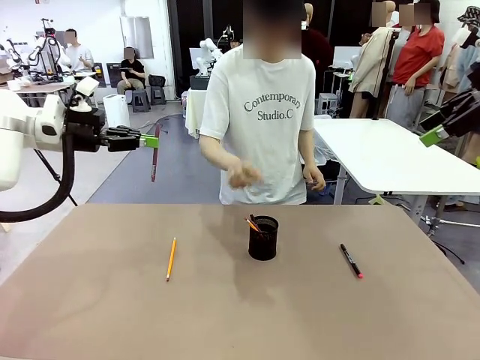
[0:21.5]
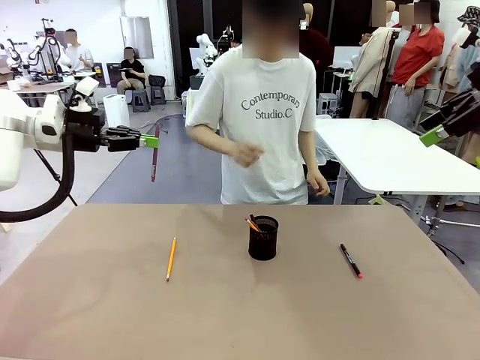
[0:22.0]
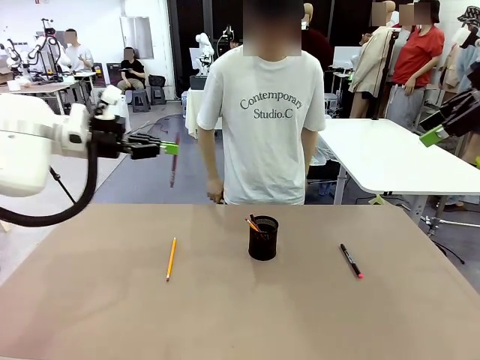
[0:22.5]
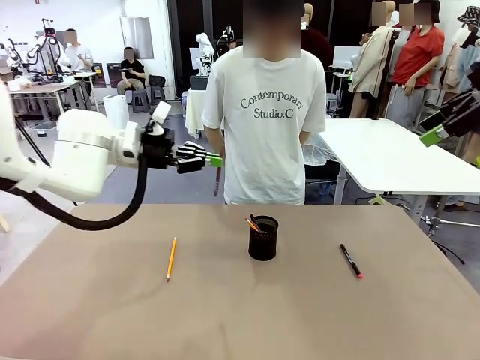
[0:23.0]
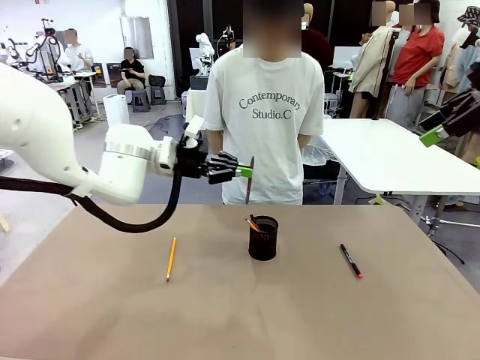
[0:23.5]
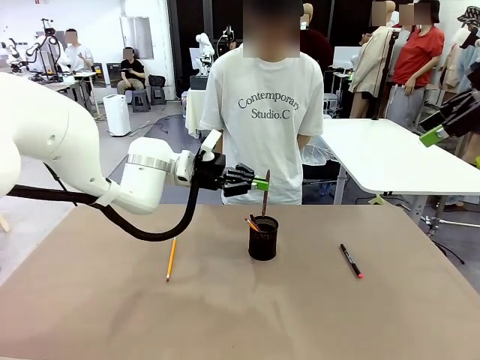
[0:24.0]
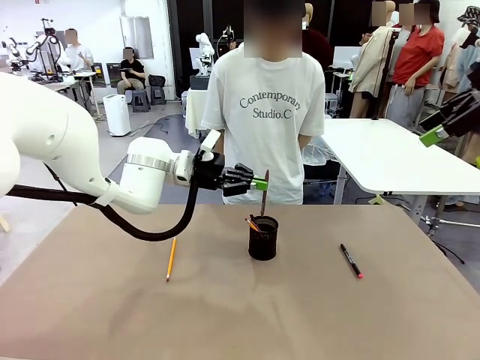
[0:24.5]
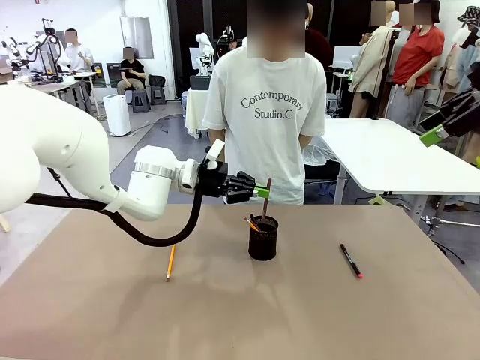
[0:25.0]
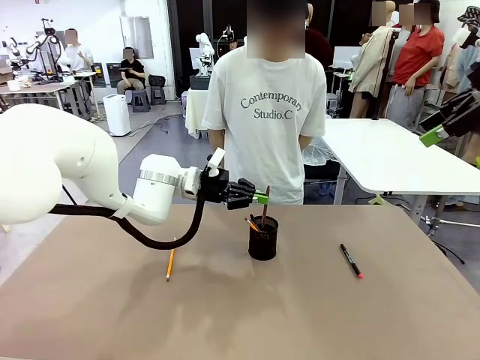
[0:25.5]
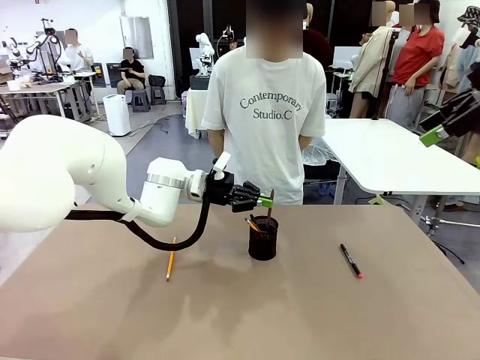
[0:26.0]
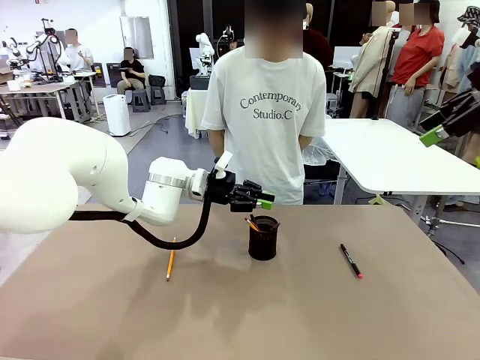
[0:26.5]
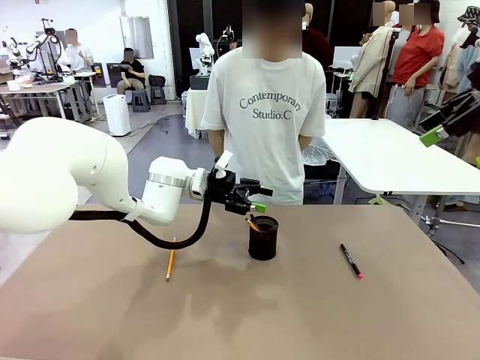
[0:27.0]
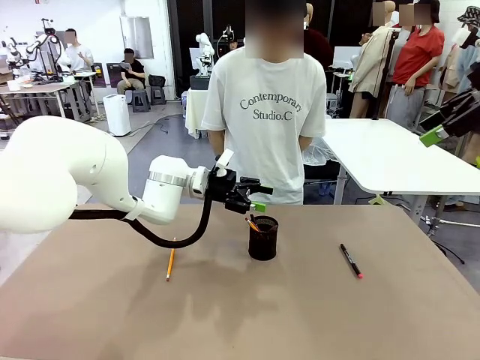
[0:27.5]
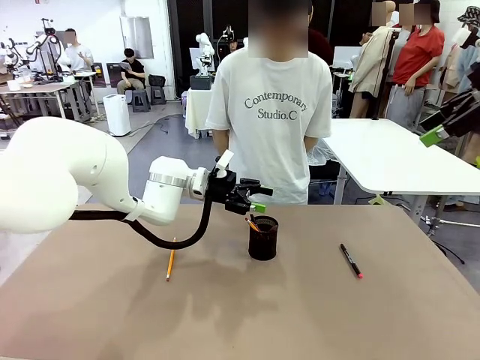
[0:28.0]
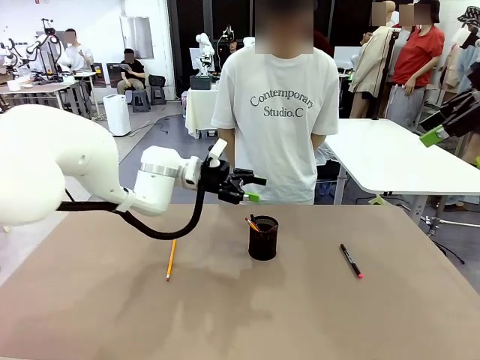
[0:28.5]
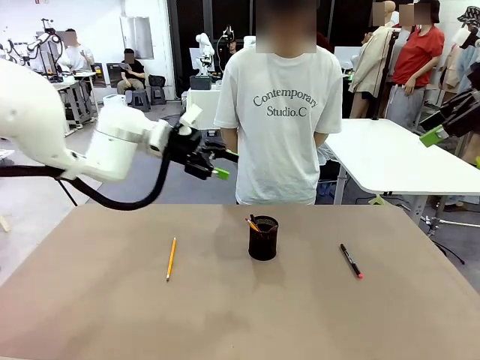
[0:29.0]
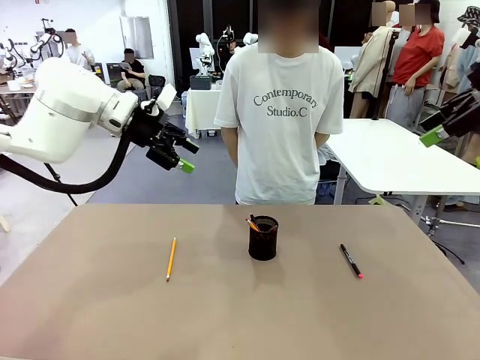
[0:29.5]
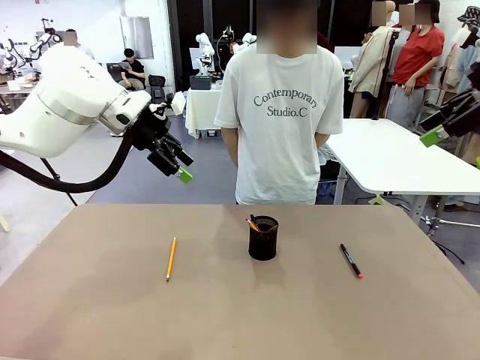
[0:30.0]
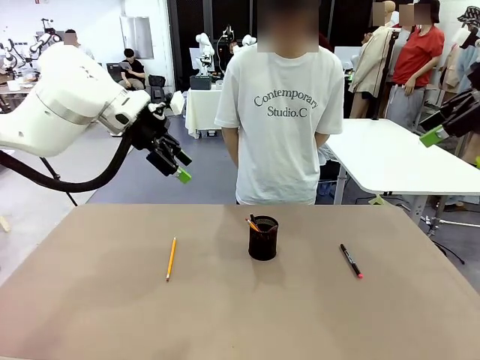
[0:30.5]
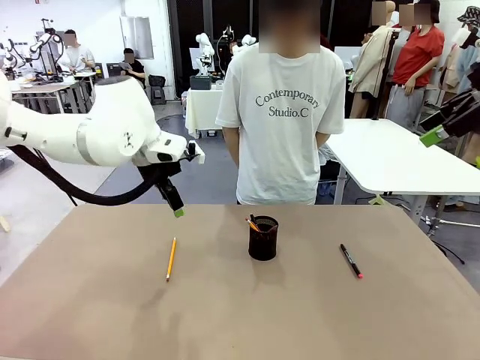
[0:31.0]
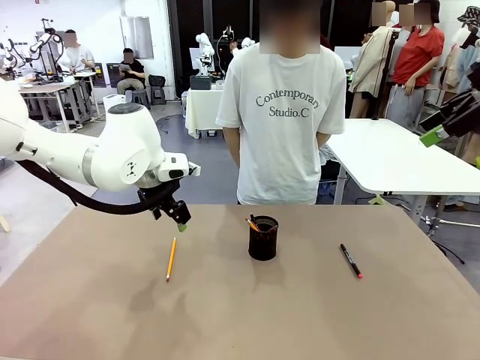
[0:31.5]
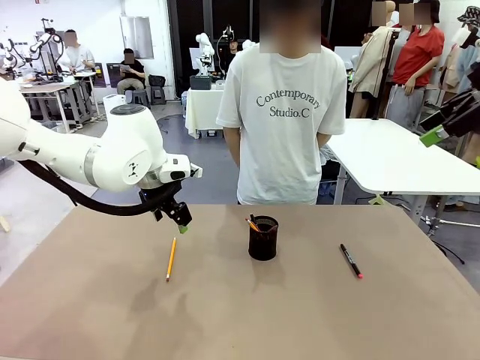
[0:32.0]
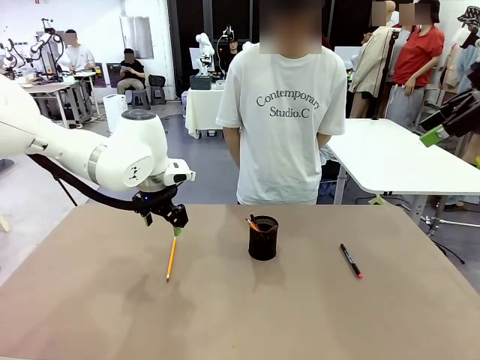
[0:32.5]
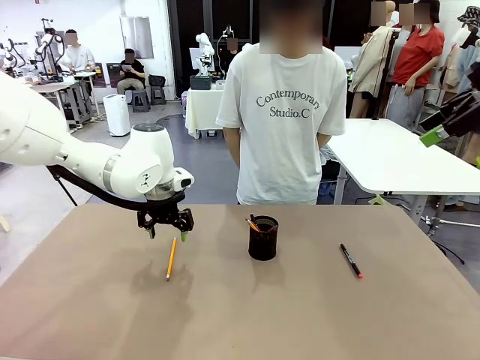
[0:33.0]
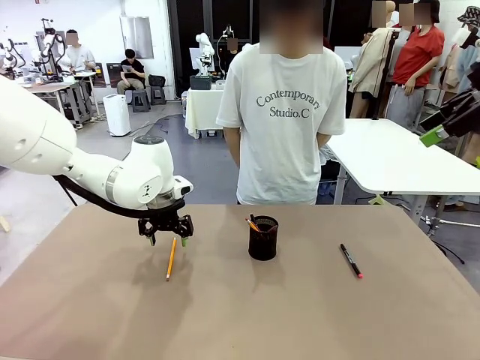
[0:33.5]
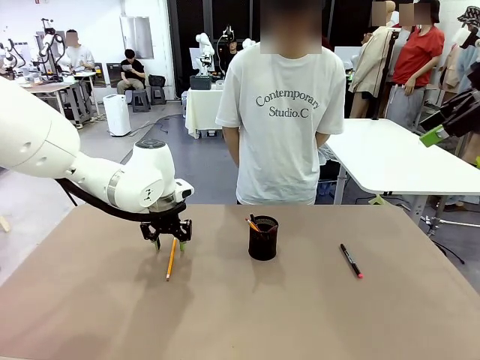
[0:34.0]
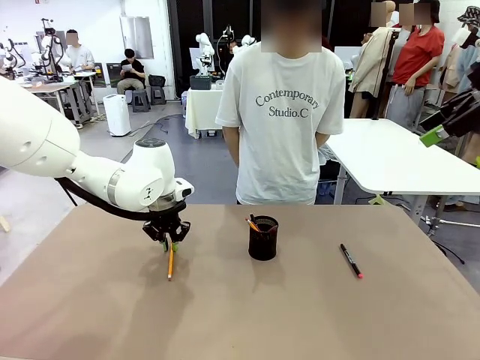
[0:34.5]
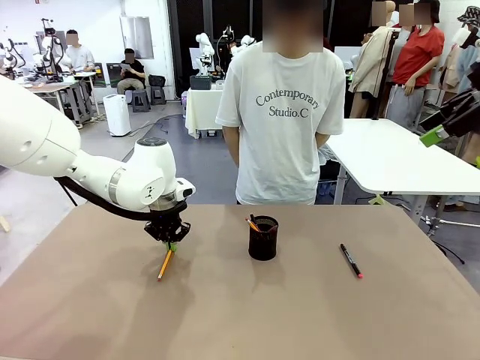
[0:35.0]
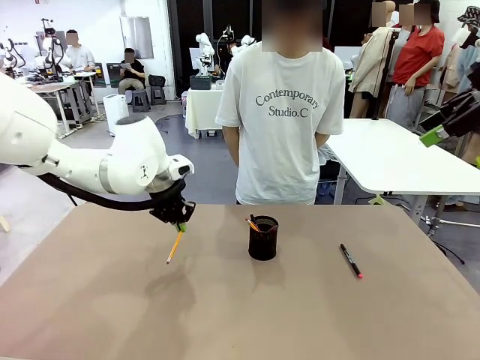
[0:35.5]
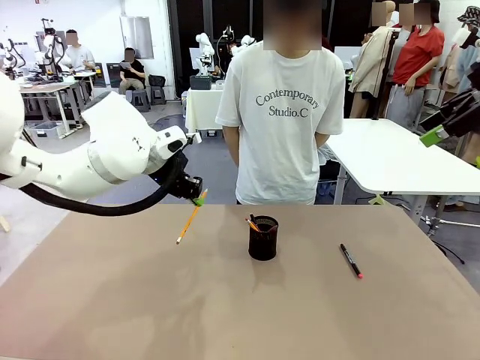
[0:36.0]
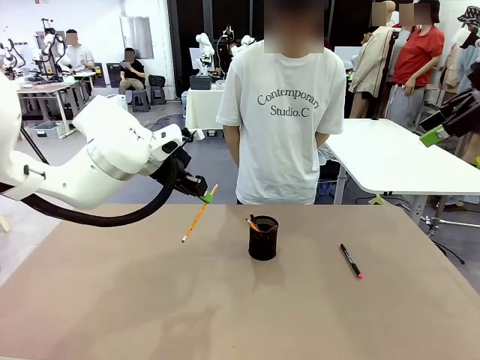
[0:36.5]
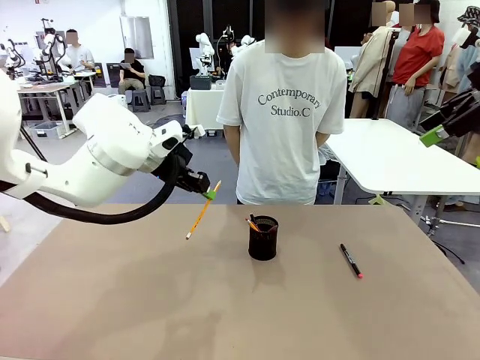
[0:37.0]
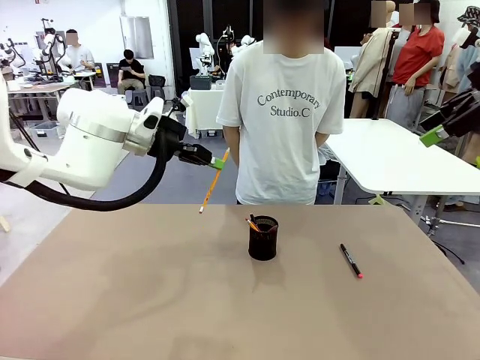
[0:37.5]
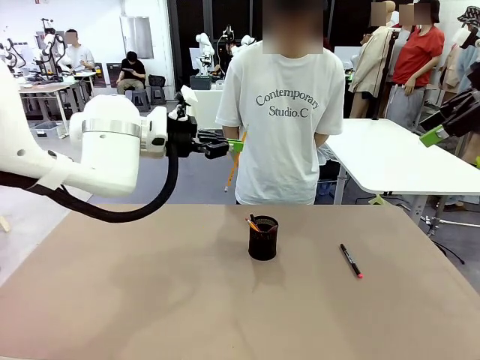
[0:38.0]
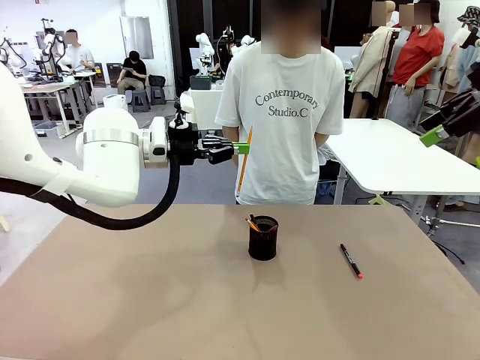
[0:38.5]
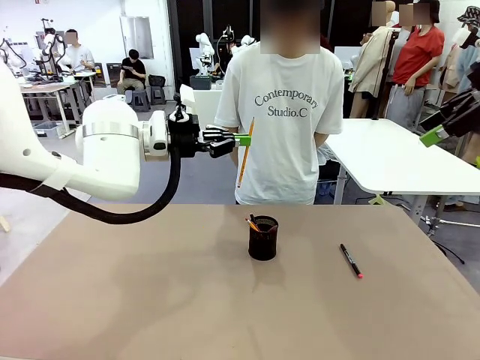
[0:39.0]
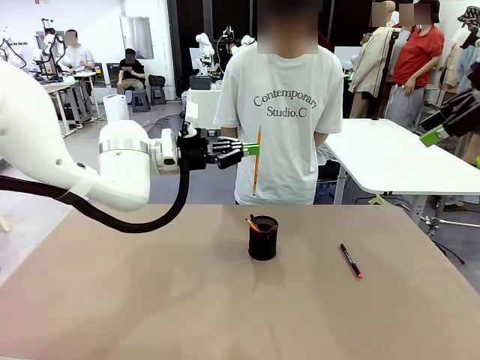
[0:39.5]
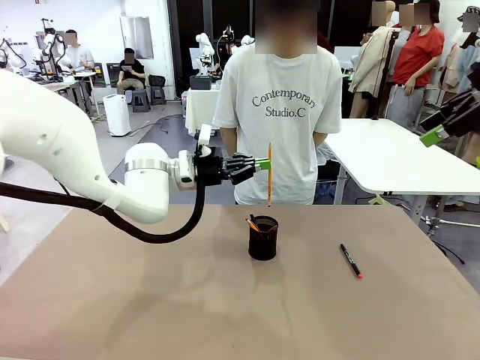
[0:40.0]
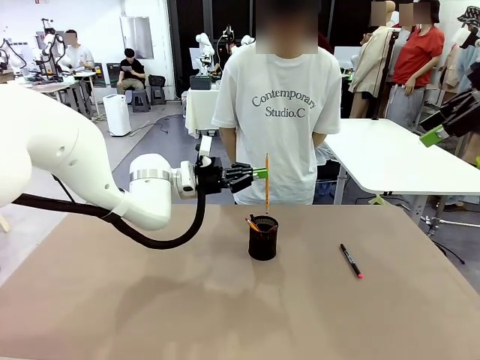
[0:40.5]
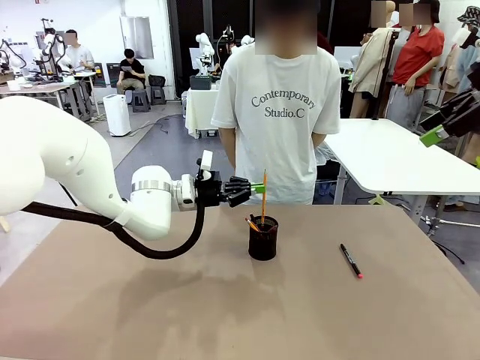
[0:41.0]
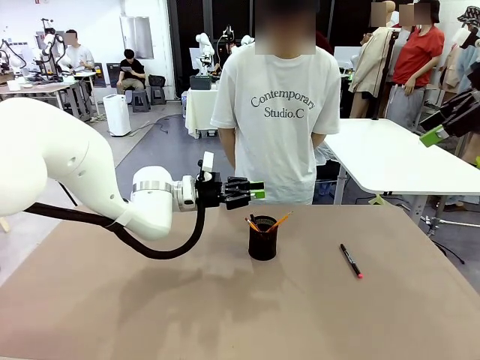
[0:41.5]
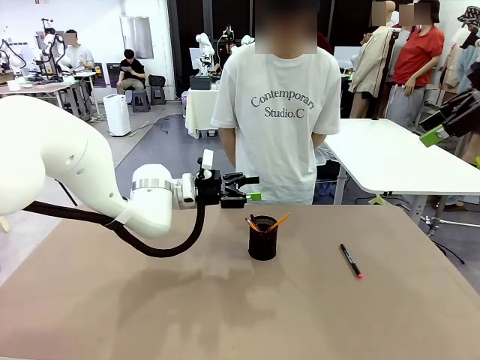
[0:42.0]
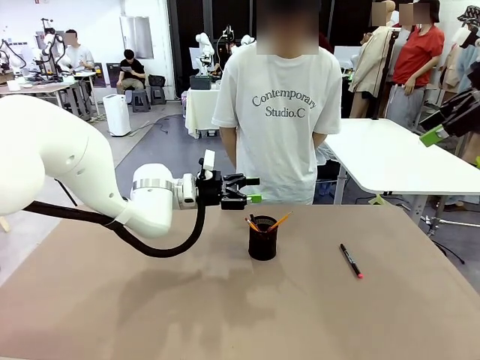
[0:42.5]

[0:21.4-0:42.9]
Task: Place the pens into the pen holder.
Robot: Pick up a writing instrument from the table and place it into the Pen holder.

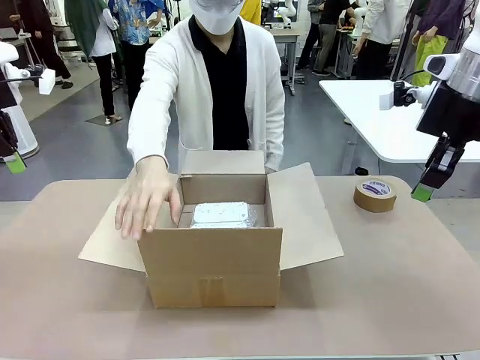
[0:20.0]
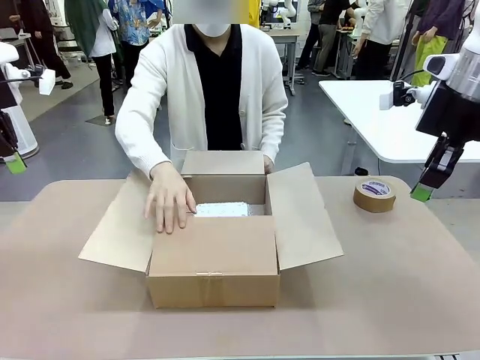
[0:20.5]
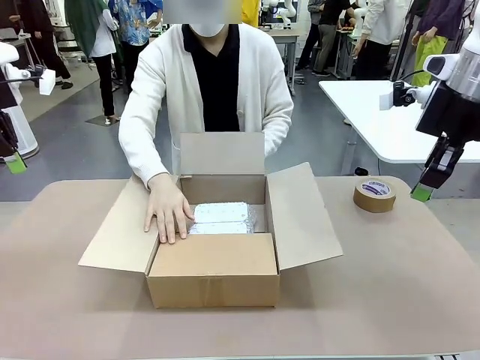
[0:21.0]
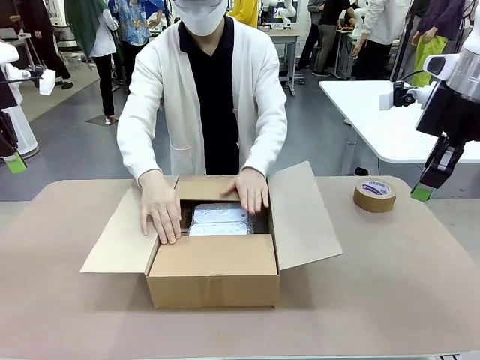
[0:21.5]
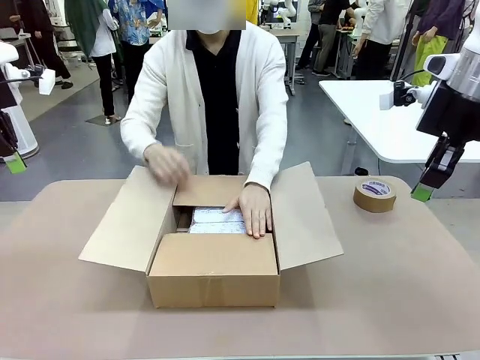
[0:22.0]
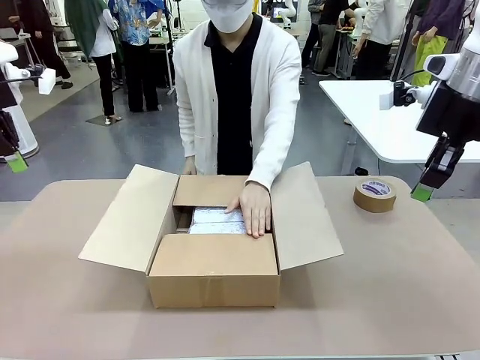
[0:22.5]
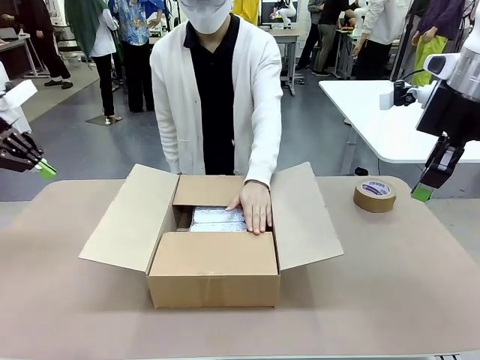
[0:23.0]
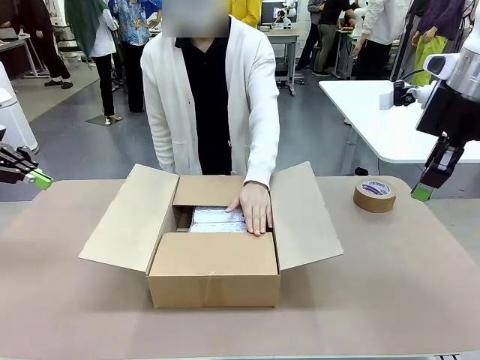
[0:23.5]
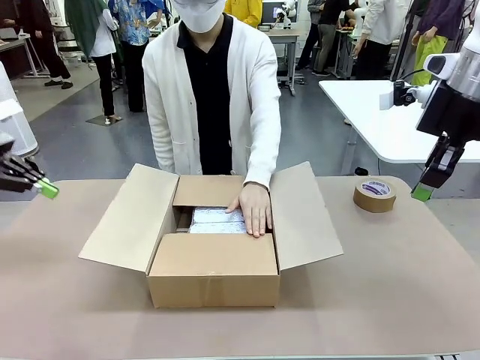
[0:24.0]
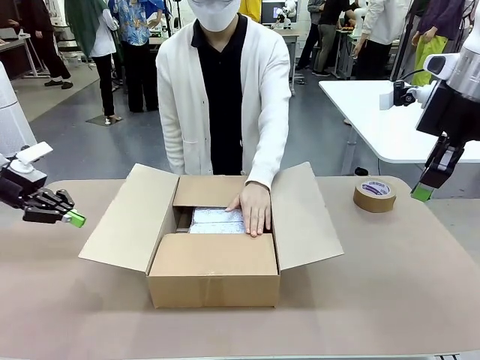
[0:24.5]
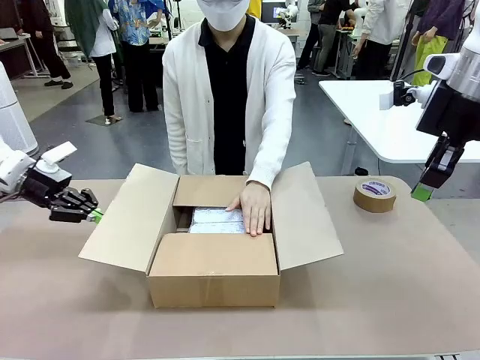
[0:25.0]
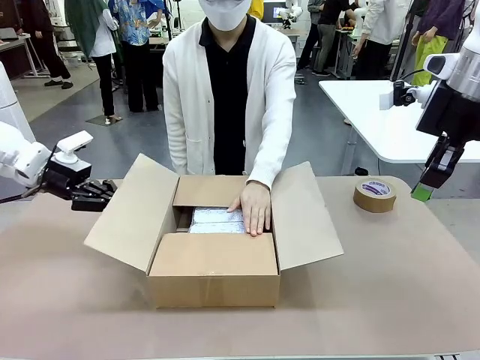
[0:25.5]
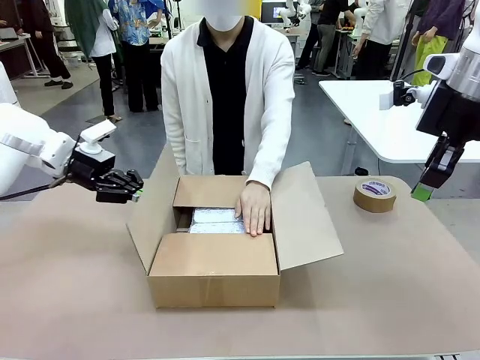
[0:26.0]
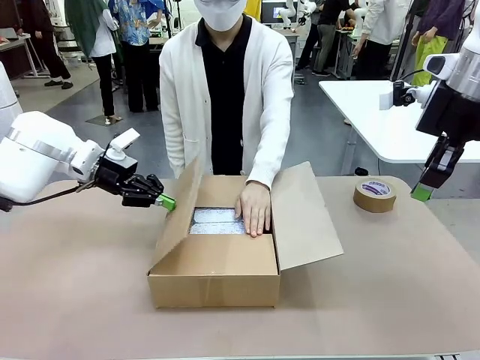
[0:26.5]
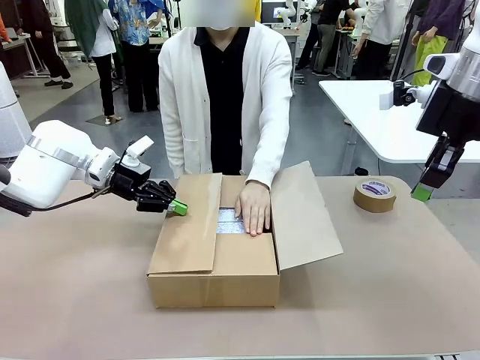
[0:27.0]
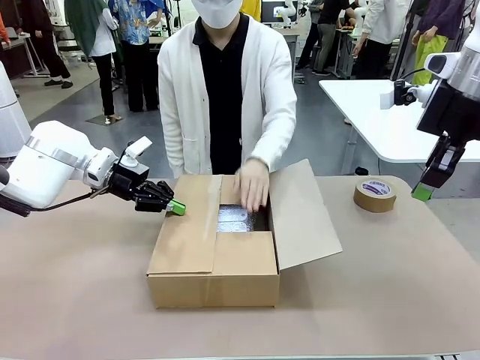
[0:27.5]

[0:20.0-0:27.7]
Task: Wrap the clocks to prevent damage.
Robot: Push the right (or left) flap of the Package Box to close it.
Person: Hold the top and bottom flaps of the Package Box closed with your left (or right) hand. Once the robot closes the right flap of the Package Box , release your left hand from the box.
